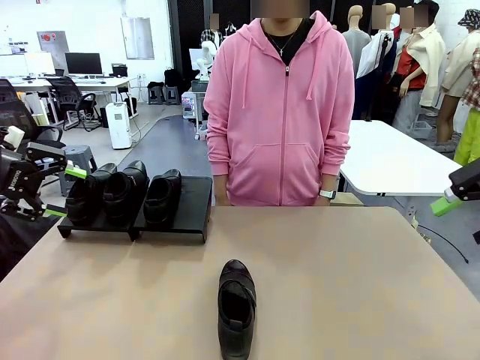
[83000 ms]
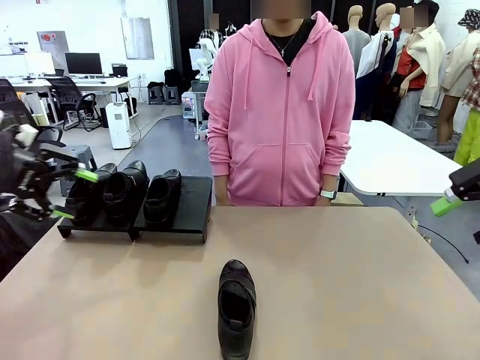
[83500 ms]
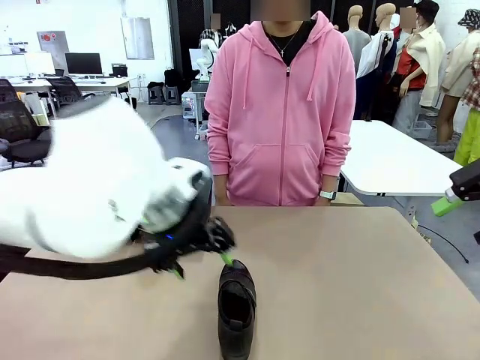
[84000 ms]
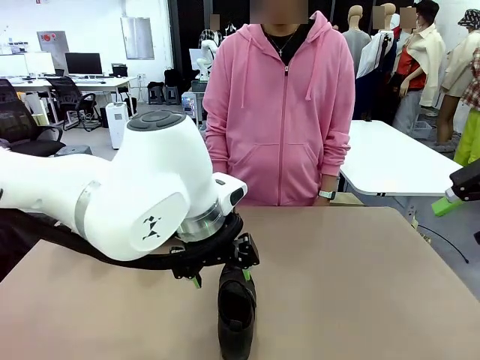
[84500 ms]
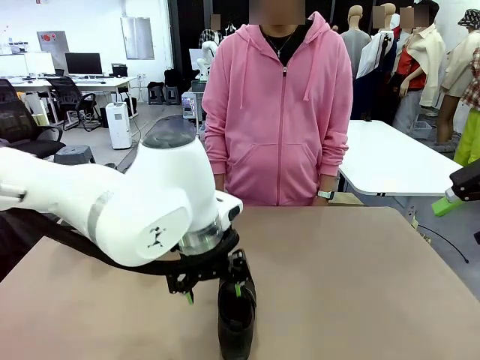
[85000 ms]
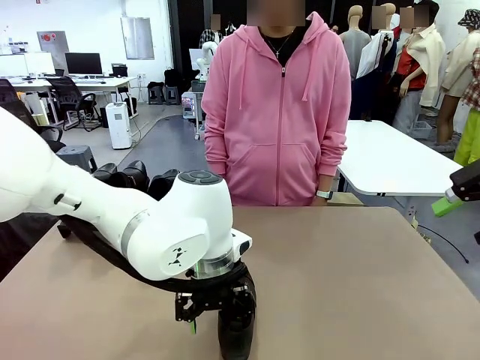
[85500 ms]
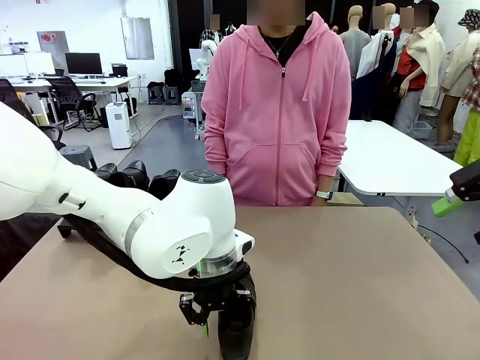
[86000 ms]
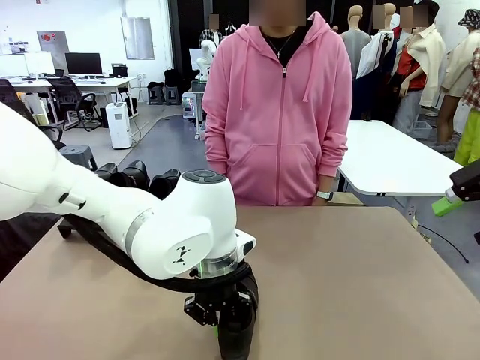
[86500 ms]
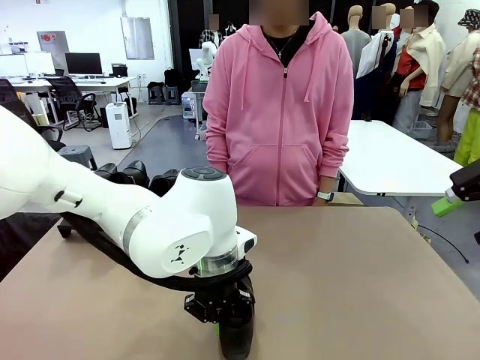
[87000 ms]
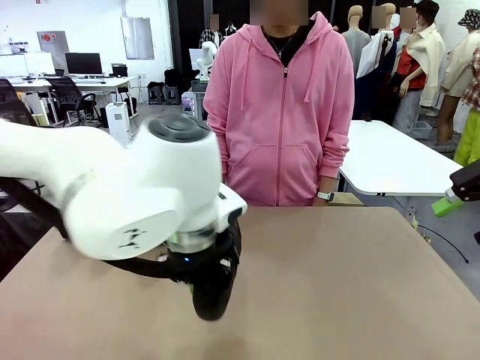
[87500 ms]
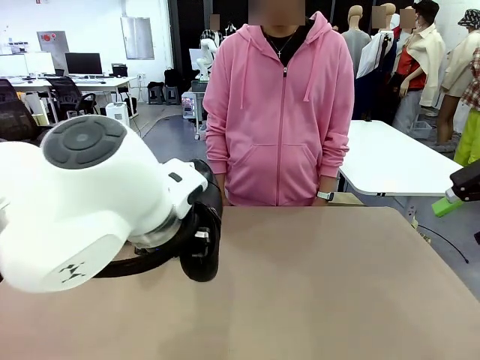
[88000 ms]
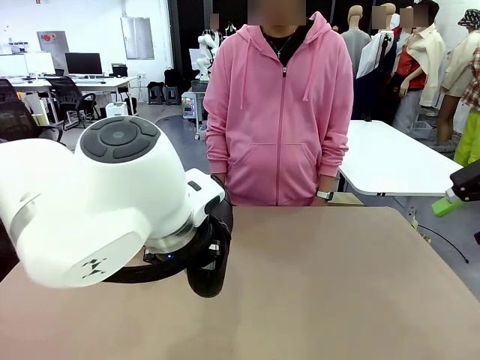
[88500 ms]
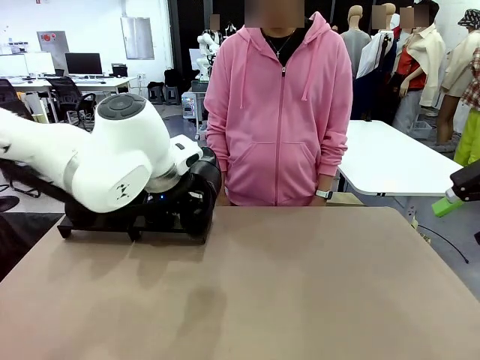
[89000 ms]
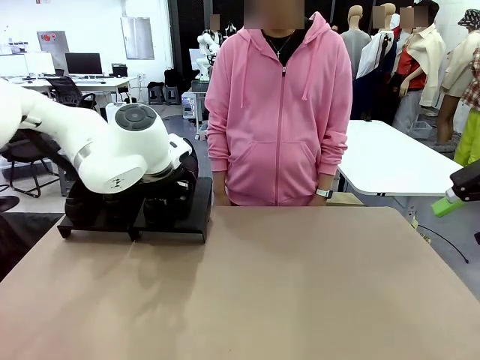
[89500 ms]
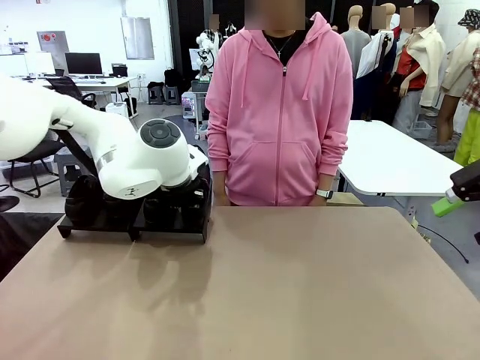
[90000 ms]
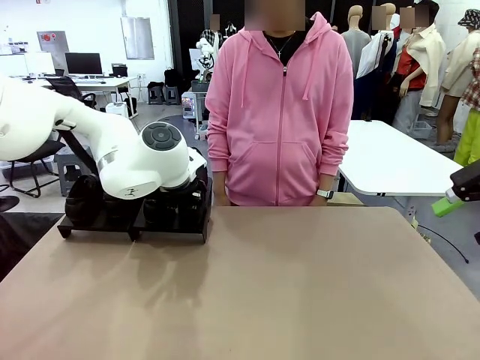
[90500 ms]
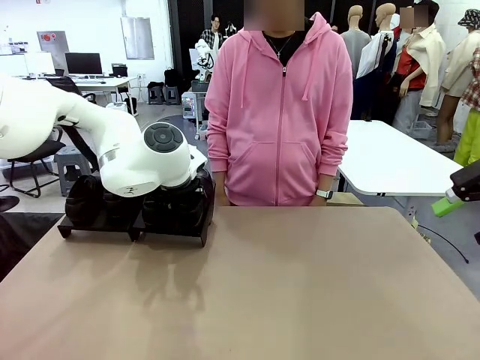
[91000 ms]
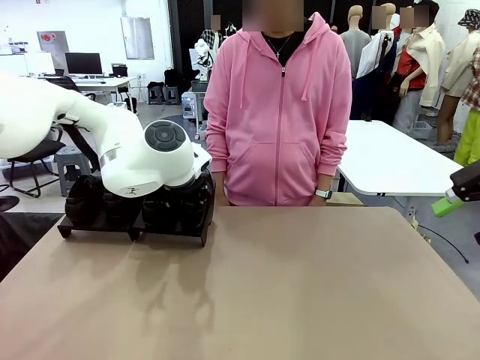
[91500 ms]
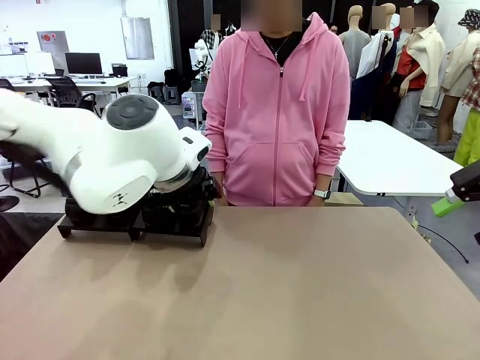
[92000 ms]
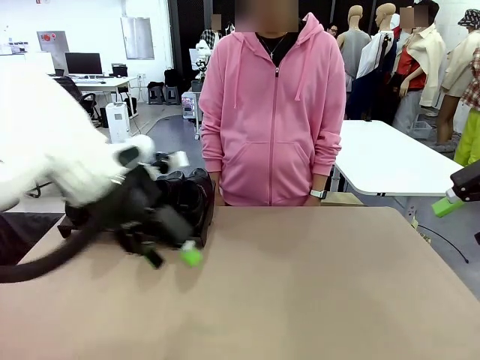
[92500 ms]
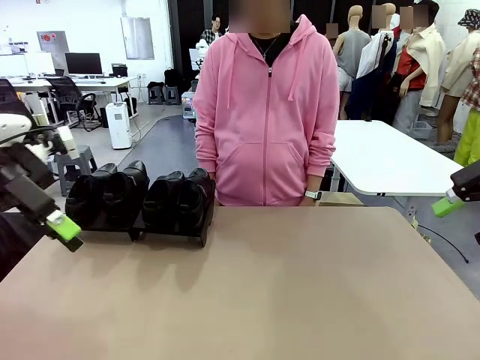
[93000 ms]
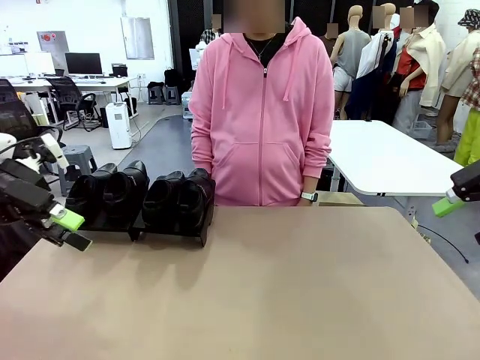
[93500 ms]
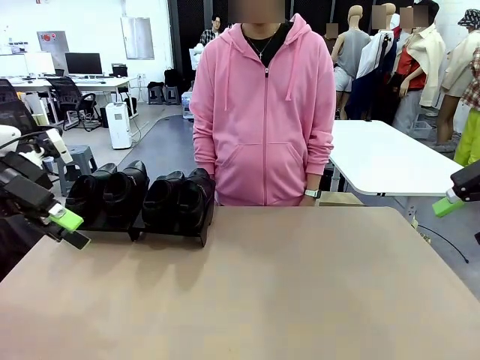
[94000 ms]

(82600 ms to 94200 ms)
Task: Organize the shoes by placing them on the stand.
Robot: Place the Shoe from the middle of the table onto the Shoes Stand.

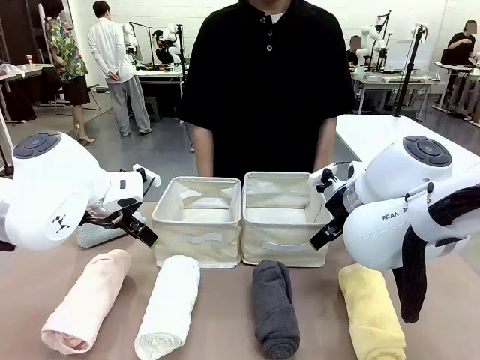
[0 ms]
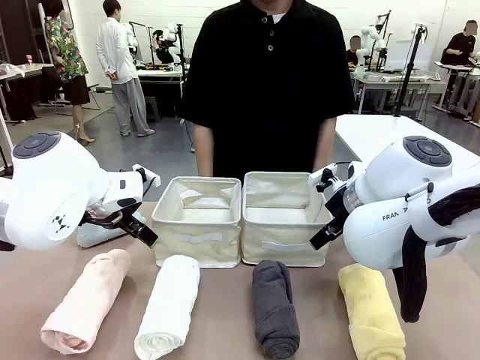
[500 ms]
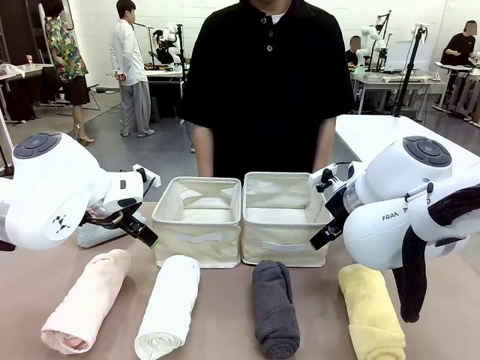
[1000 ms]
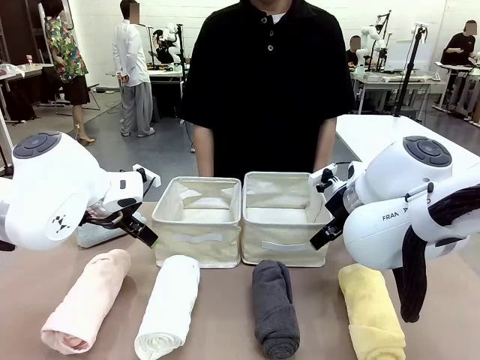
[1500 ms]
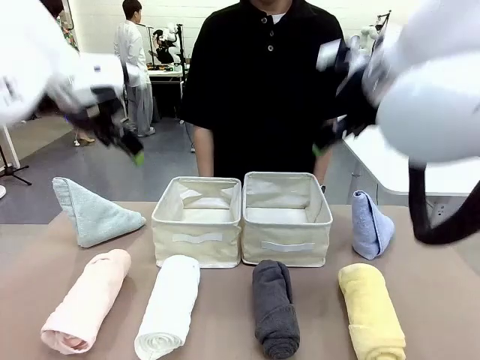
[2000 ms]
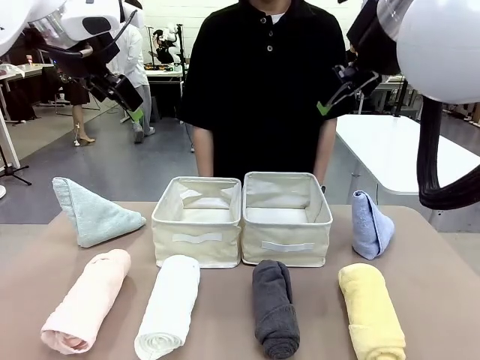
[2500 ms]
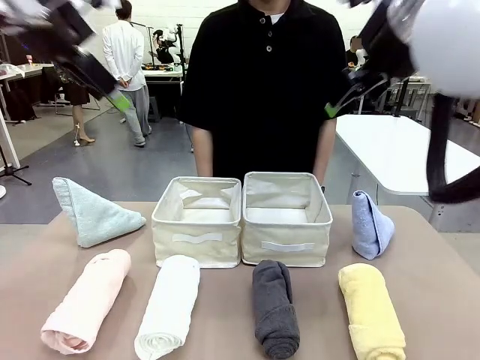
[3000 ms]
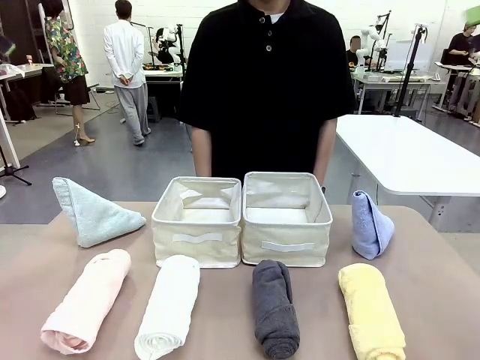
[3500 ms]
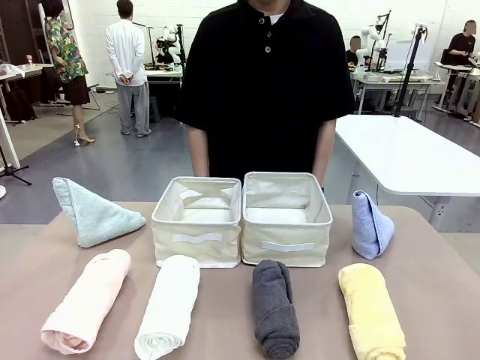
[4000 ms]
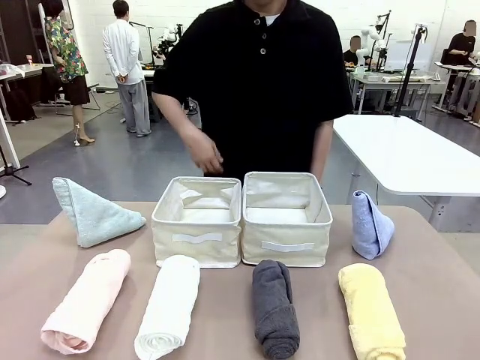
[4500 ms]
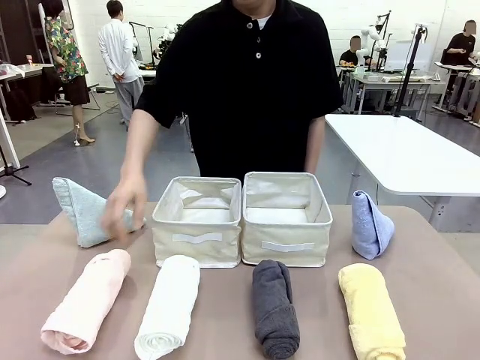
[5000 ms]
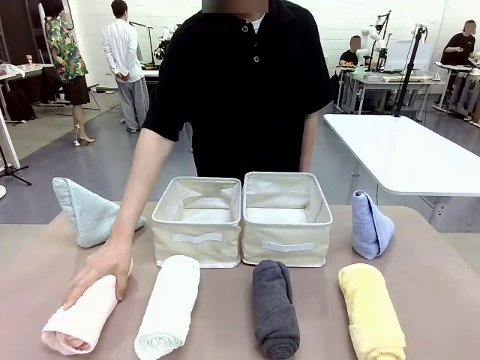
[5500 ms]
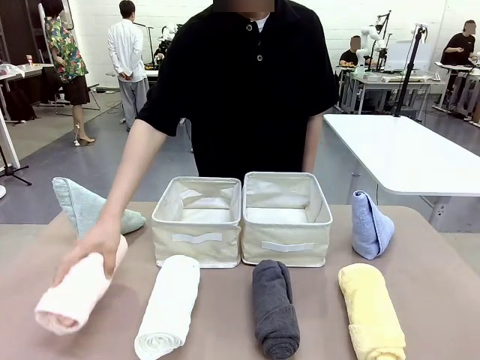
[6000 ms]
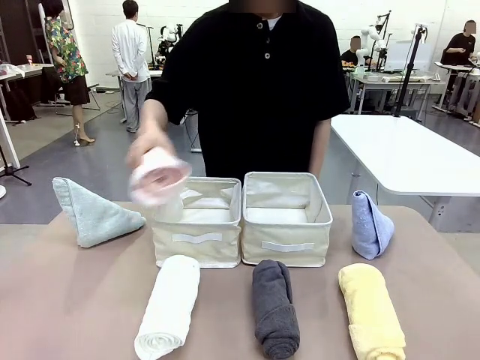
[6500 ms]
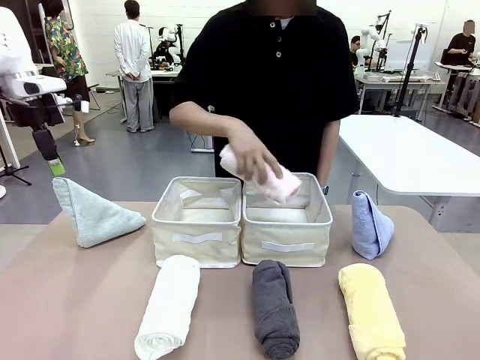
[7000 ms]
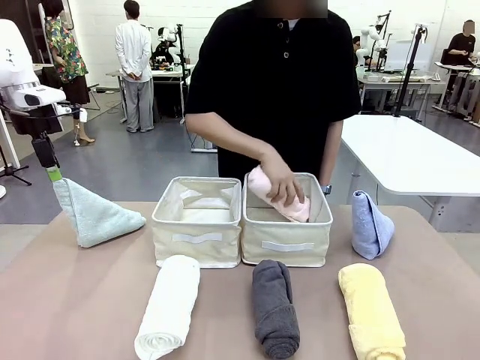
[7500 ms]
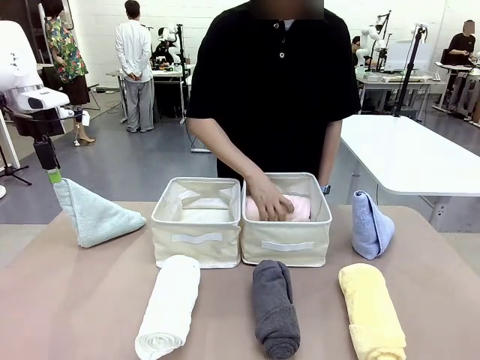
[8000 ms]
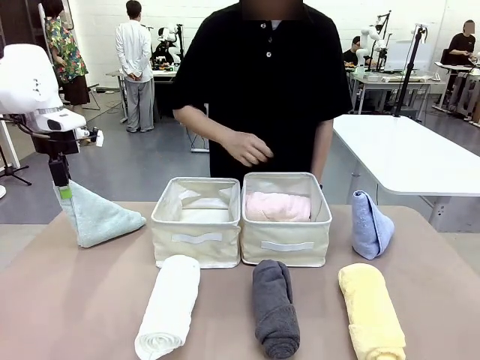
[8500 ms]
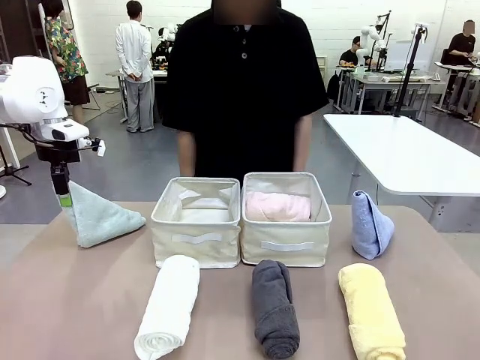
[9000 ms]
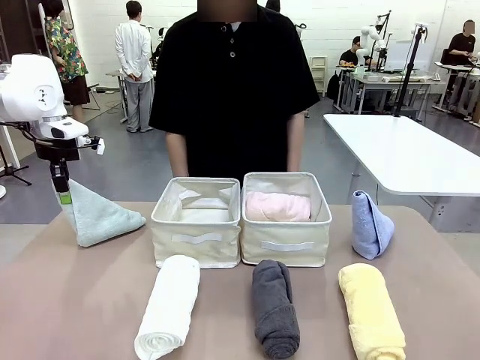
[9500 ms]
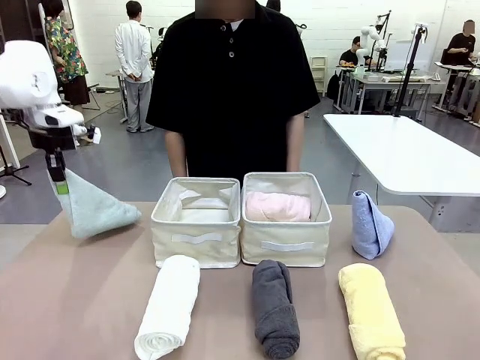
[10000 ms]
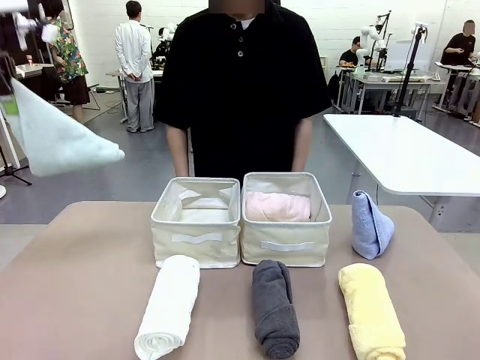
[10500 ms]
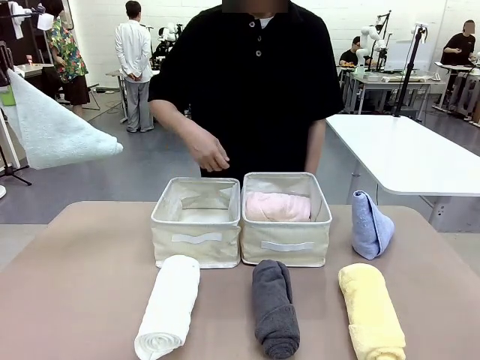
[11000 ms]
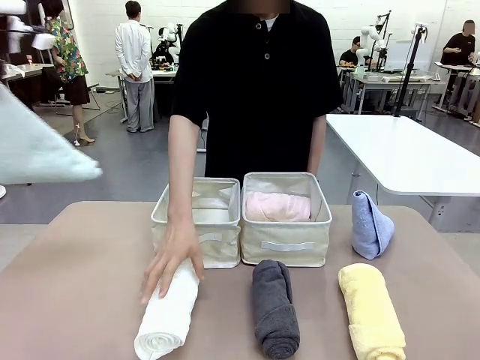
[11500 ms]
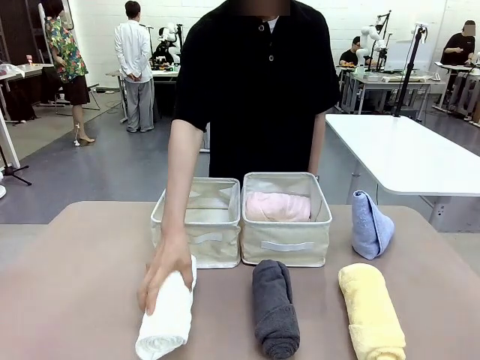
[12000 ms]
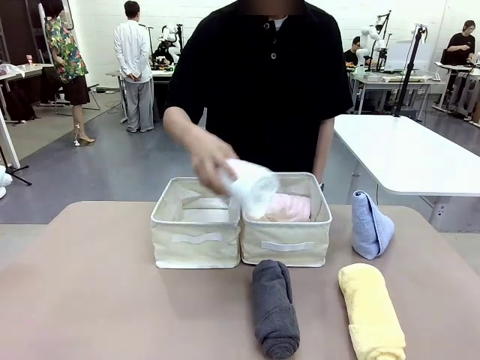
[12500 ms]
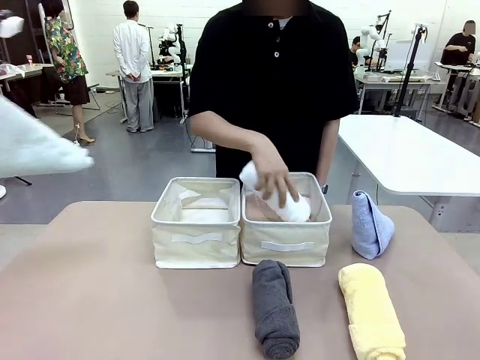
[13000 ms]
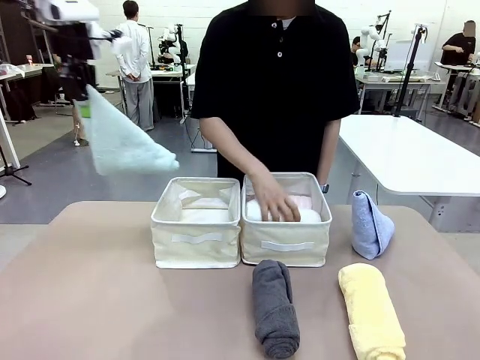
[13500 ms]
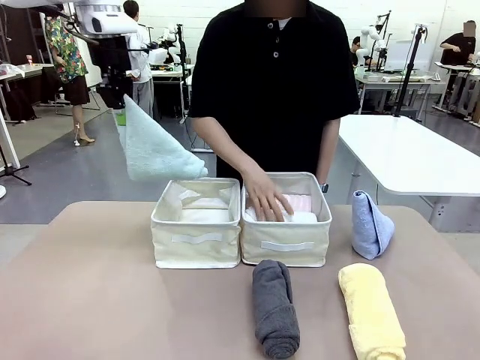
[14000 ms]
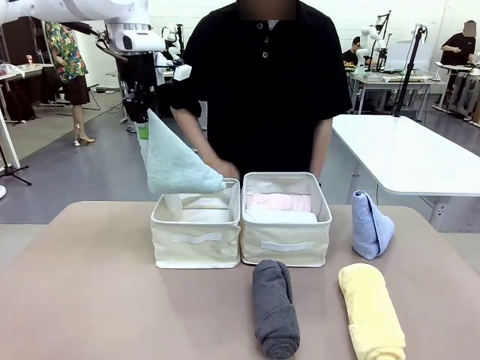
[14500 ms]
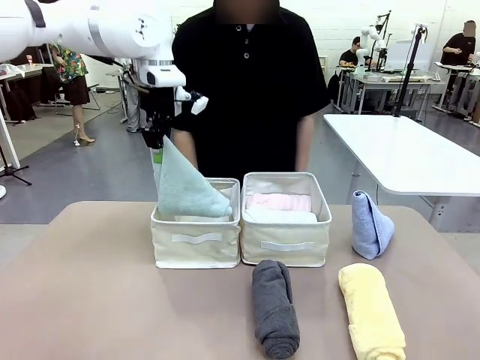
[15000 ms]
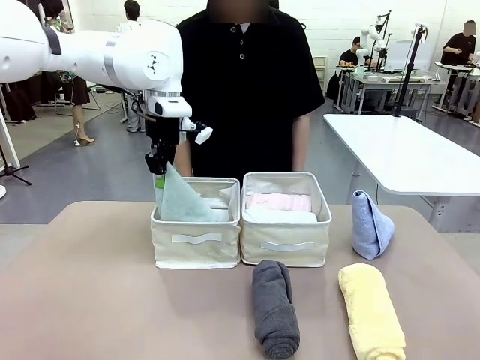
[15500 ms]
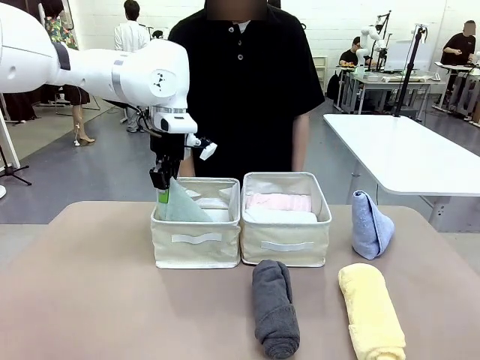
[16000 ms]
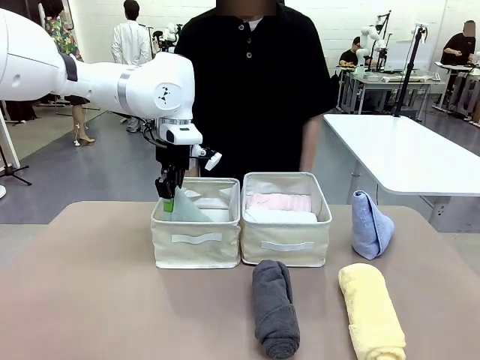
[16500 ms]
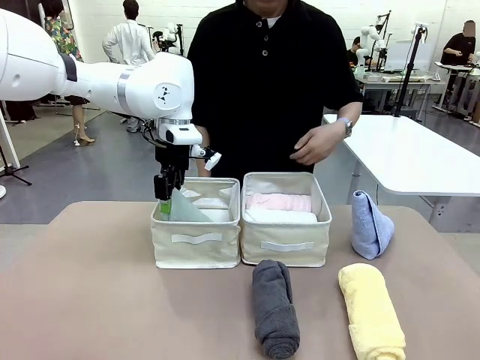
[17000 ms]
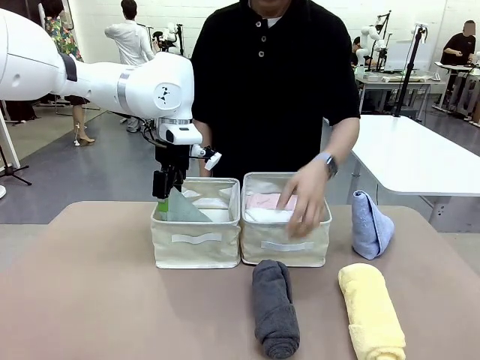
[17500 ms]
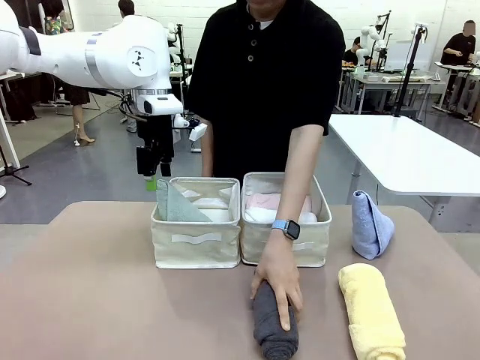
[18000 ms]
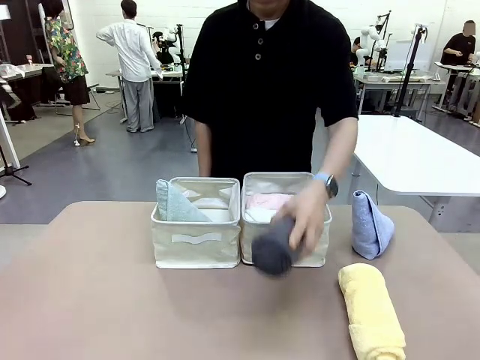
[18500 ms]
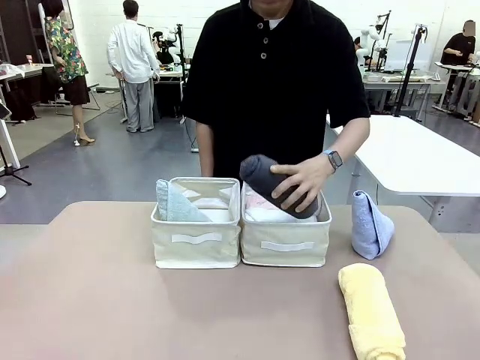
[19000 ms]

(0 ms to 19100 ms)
Task: Sort the towels based on their folding style.
Robot: Pick up one triangle-folded towel and place it in the left Fabric basket.
Person: Pick up one hotel-style rolled towel and place it in the left fabric basket.
